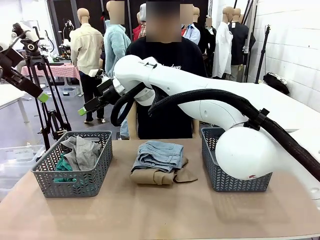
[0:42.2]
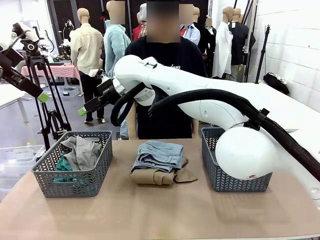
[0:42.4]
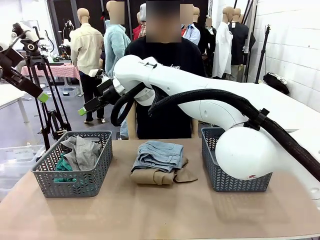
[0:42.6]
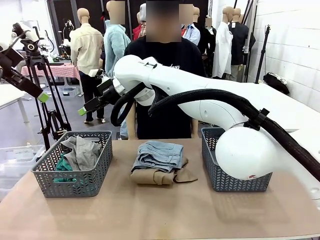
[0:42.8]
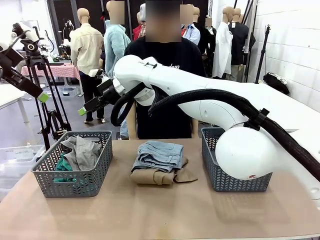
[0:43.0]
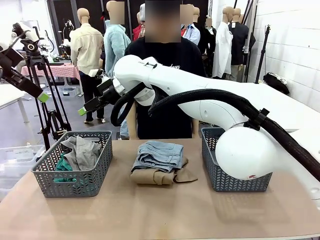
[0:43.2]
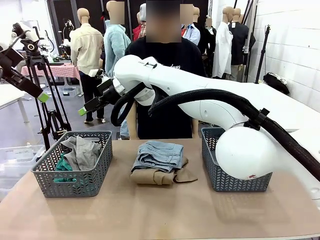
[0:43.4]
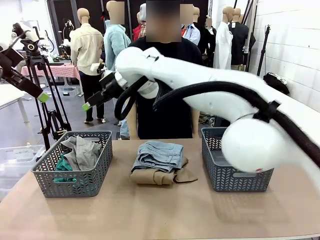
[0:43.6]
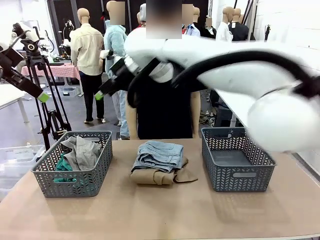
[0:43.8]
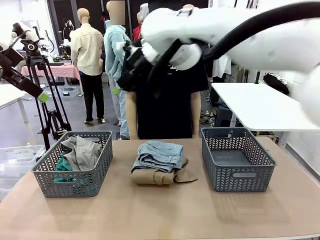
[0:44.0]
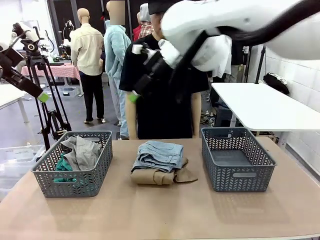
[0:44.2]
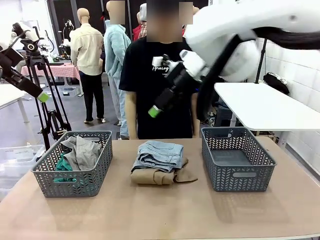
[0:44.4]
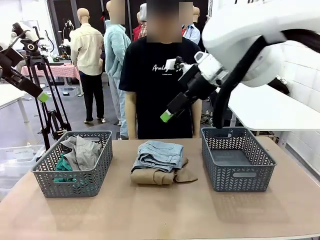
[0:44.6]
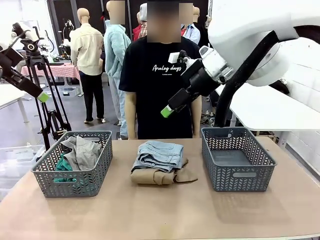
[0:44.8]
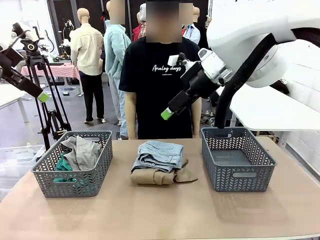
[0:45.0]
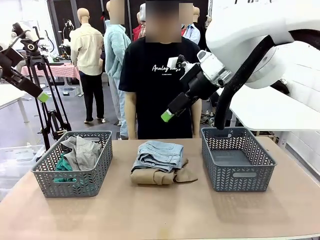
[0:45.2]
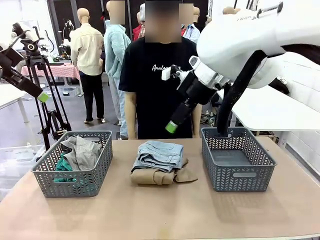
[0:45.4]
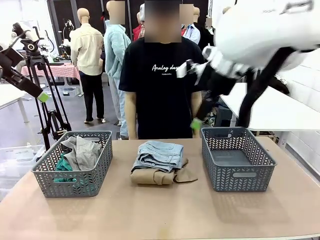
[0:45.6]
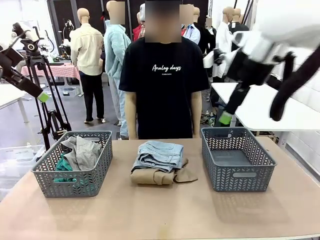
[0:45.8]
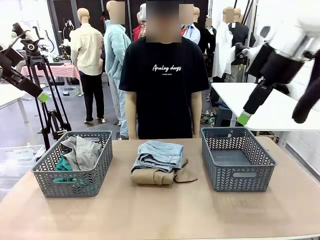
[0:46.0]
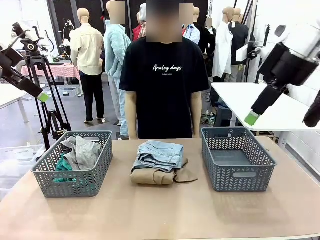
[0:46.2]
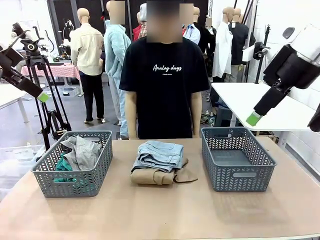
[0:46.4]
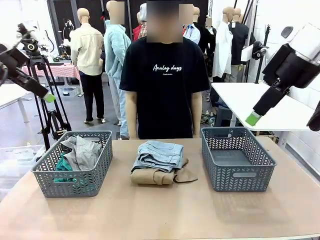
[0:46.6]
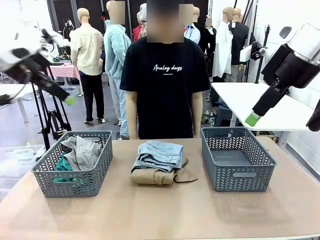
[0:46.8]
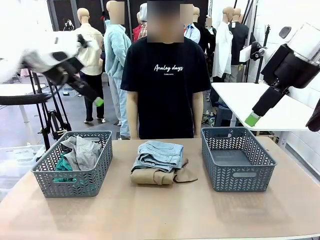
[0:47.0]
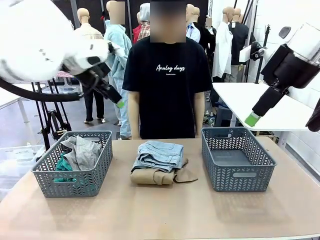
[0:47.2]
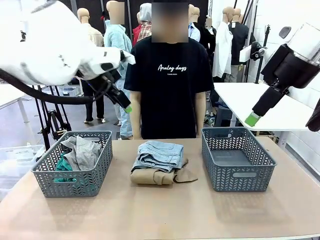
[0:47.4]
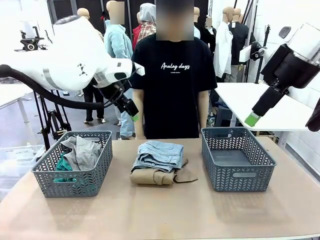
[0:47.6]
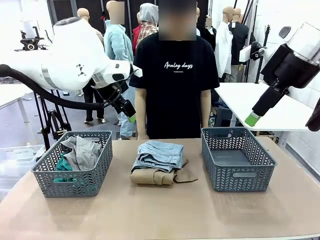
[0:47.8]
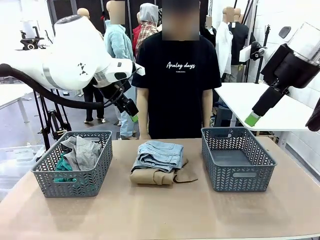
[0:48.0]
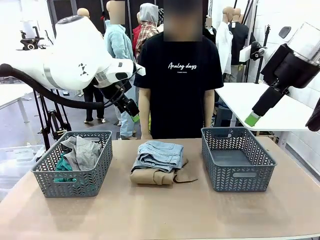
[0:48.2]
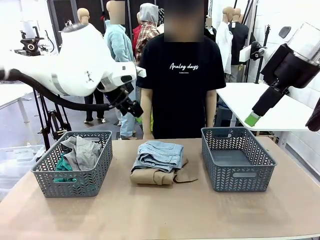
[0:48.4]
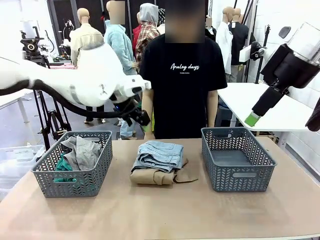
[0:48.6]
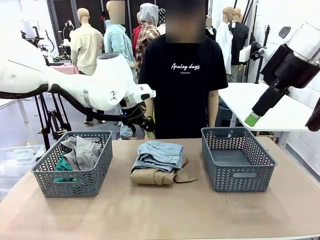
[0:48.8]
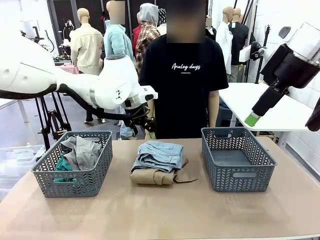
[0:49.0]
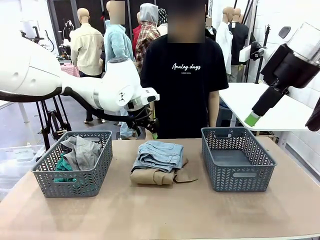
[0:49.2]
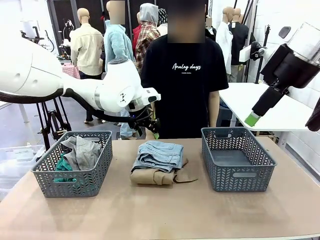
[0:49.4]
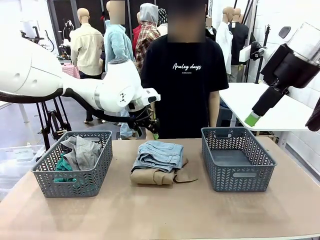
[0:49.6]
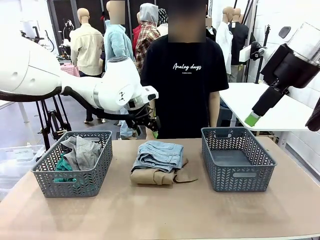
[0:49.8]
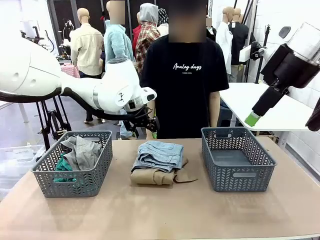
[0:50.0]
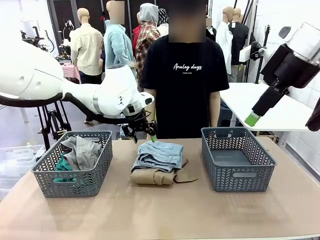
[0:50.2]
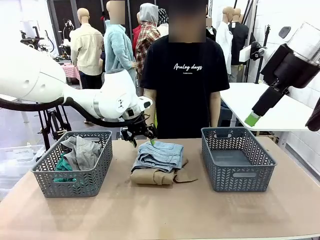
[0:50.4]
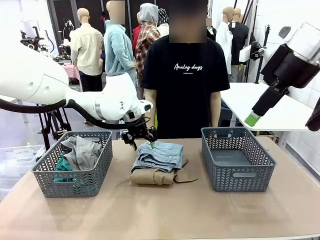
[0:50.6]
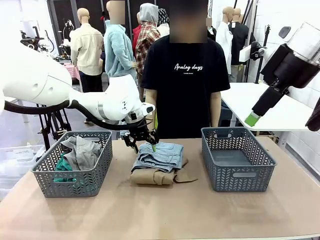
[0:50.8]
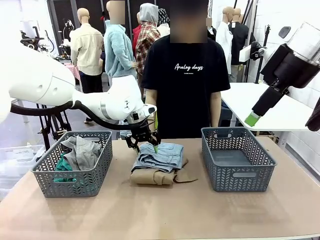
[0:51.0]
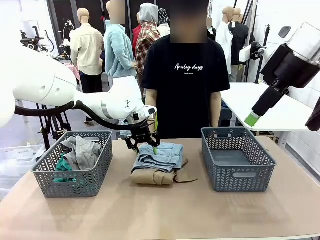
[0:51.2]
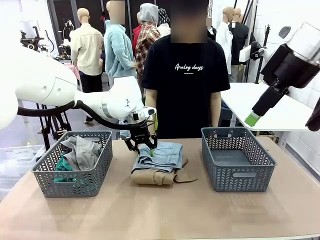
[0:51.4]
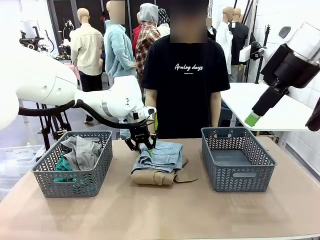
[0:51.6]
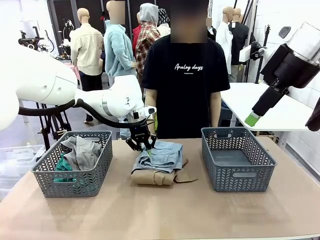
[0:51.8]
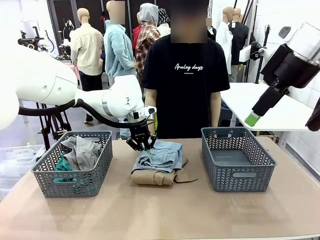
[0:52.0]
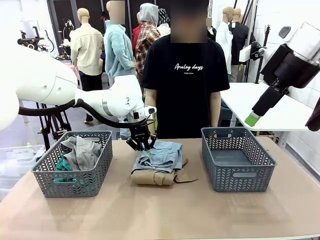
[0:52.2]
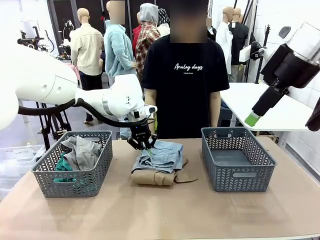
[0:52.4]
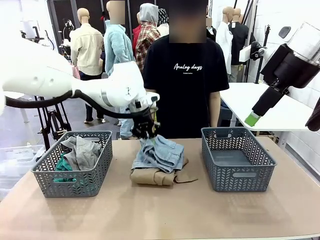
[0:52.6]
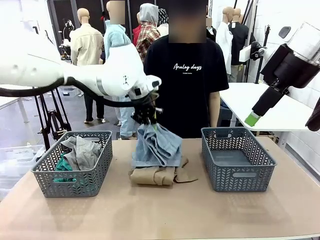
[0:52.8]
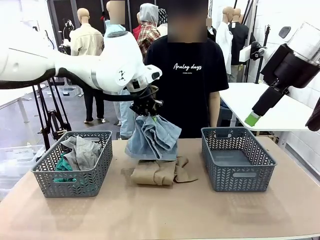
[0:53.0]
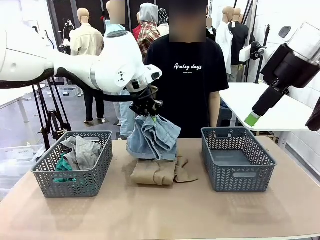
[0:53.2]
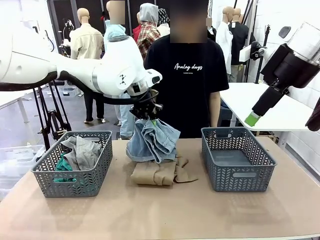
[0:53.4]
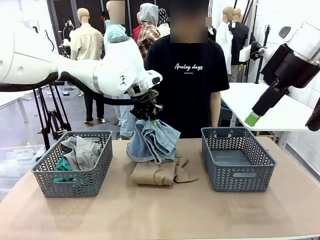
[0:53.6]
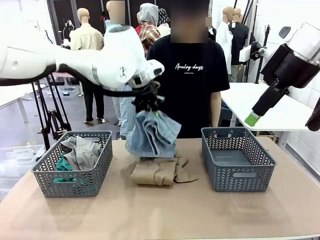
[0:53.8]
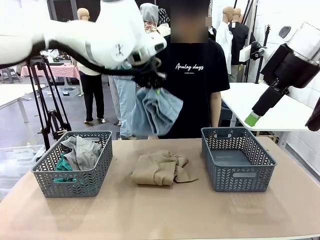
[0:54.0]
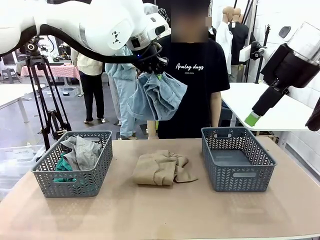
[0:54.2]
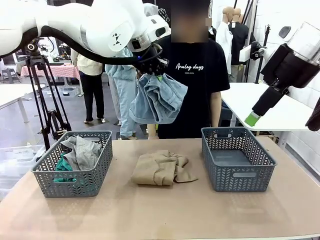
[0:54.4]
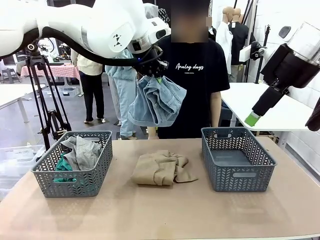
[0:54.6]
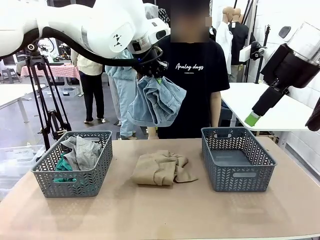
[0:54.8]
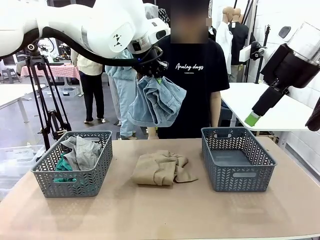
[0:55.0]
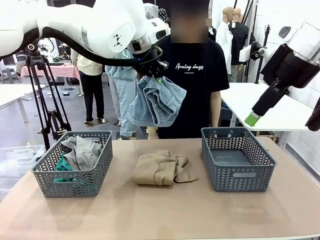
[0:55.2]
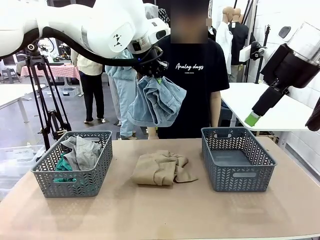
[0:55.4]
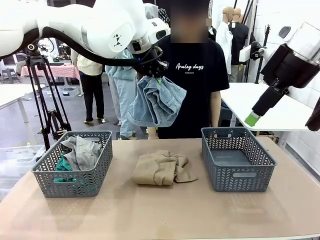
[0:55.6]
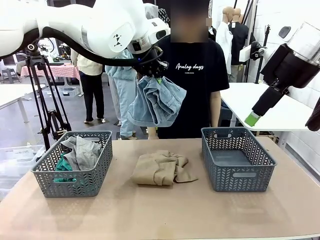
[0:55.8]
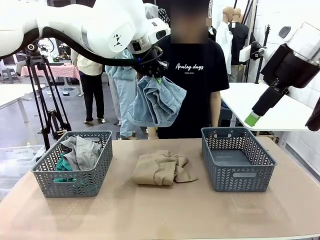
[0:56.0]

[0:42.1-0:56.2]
Task: Sort the tops and bottoms.
Robot: Lift clothes from the center of the table with your left hand.

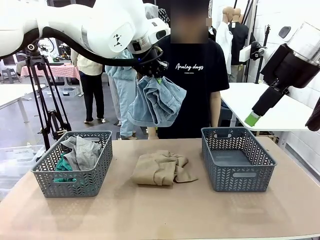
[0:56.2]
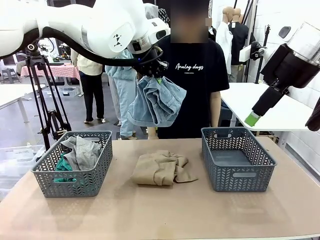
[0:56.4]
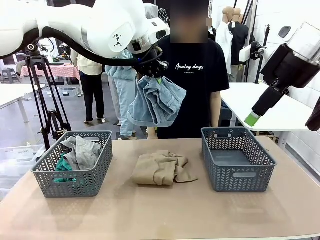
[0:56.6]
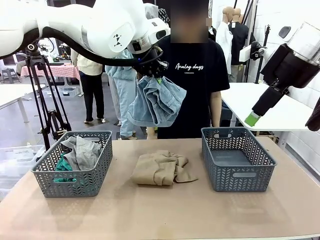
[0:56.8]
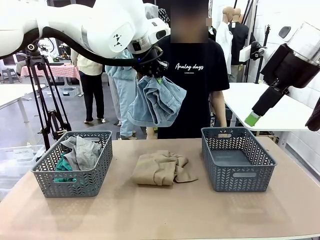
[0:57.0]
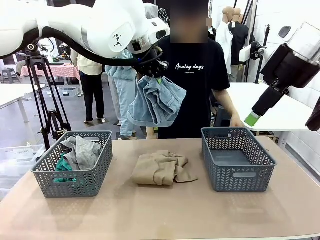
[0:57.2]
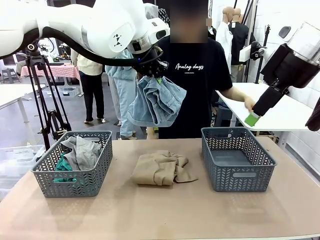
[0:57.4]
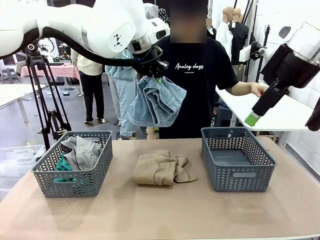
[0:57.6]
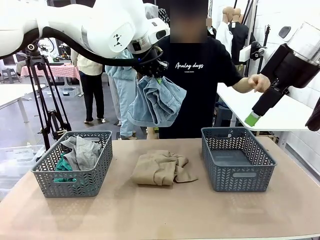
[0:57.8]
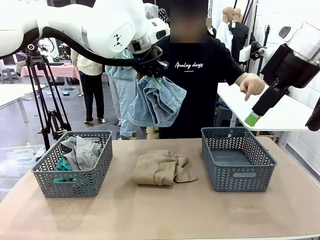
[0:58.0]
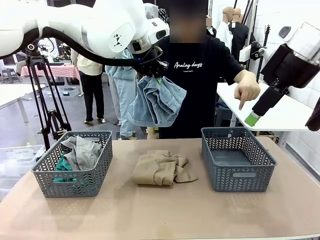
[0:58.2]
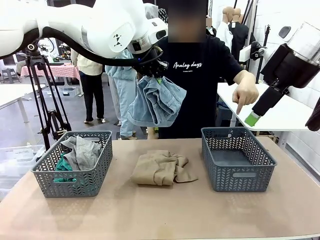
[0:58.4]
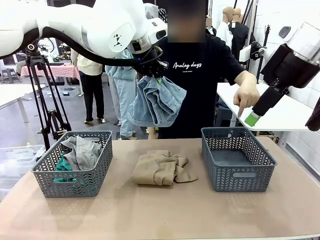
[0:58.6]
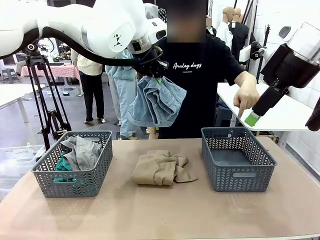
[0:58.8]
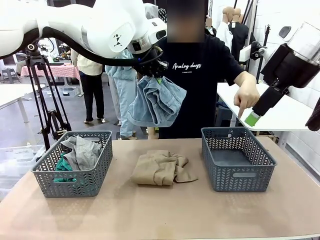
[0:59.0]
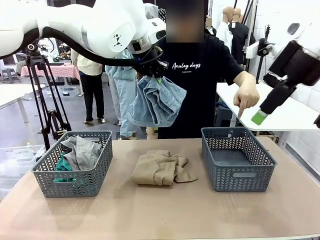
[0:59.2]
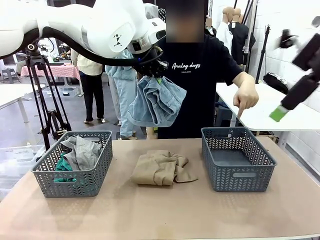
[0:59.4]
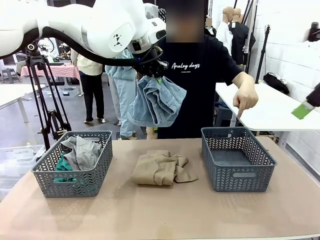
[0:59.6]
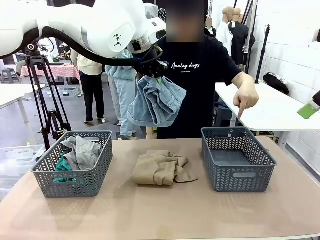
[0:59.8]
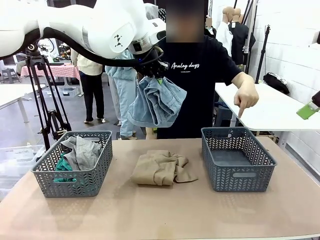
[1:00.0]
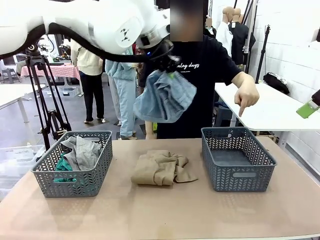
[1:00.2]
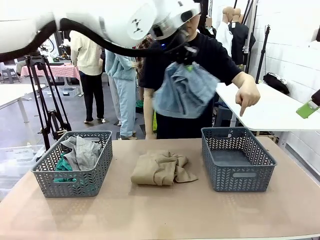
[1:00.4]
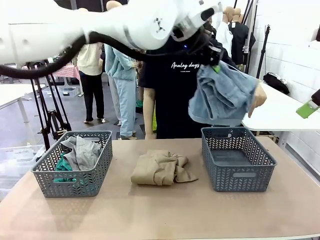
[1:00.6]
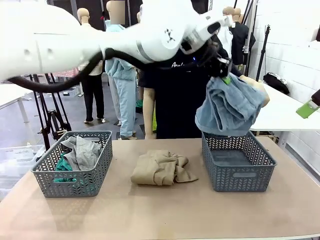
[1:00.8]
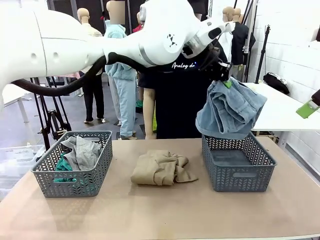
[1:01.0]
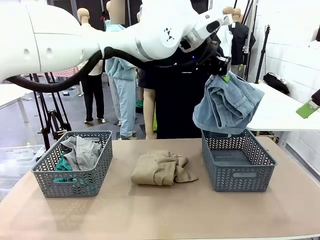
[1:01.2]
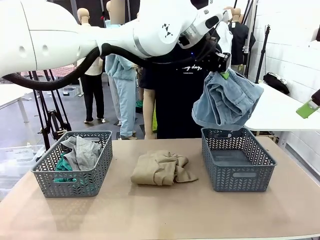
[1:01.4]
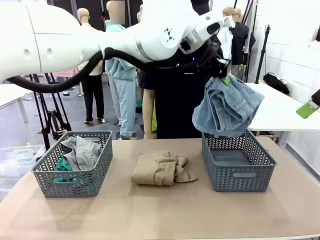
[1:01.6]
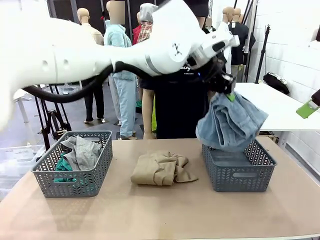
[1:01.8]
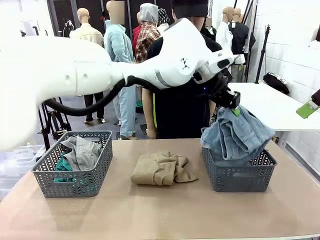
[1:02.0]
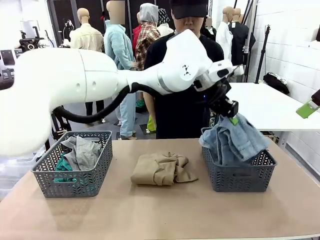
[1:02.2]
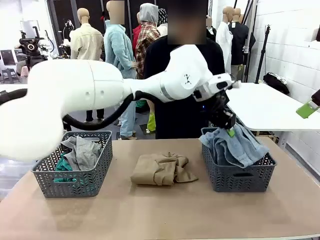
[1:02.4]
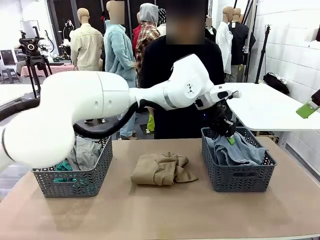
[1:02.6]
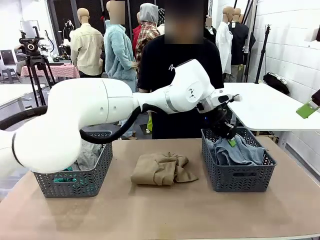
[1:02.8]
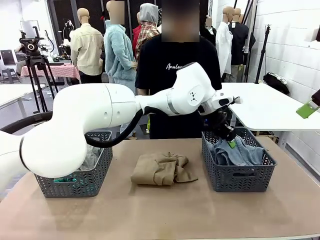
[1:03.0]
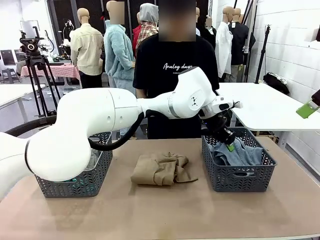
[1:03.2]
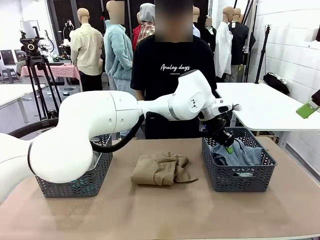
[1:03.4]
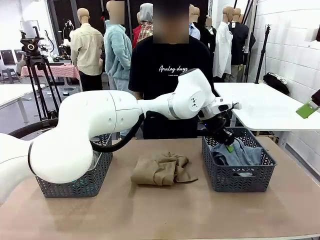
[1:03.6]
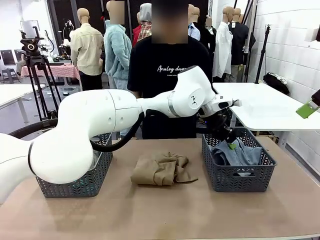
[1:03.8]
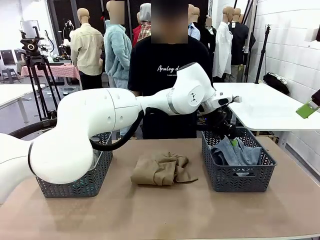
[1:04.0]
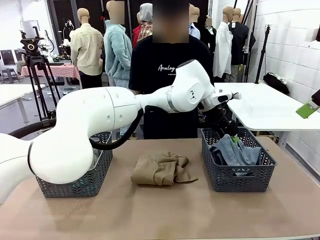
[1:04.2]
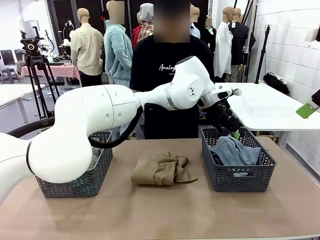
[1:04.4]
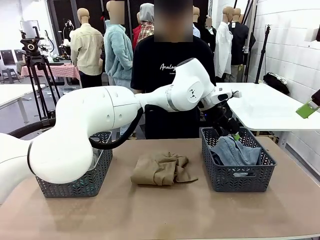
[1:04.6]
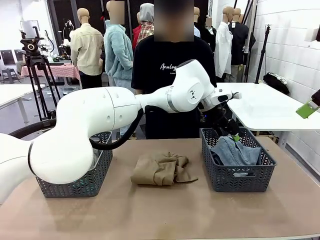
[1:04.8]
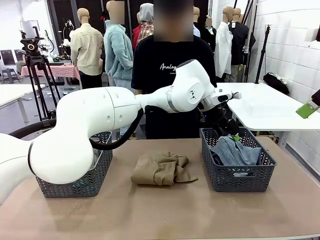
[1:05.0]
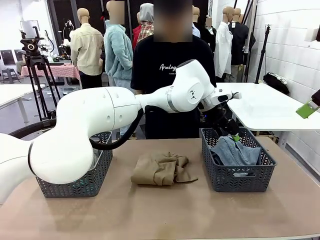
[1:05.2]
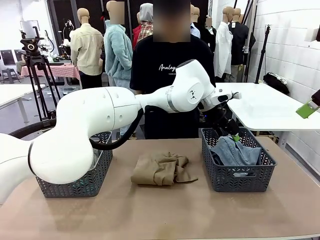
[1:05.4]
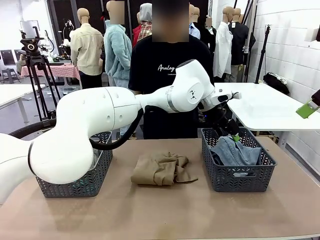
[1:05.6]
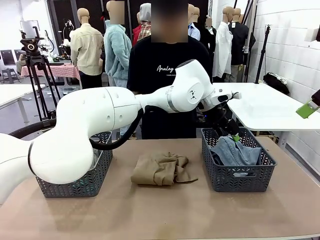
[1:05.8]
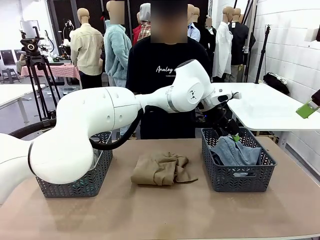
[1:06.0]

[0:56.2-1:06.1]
Robot: Sort the clothes according to human instructions.
